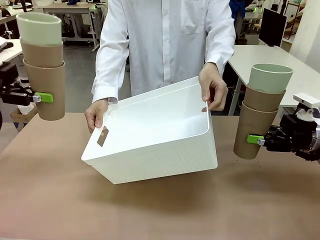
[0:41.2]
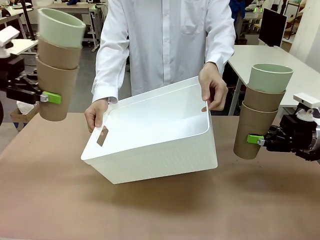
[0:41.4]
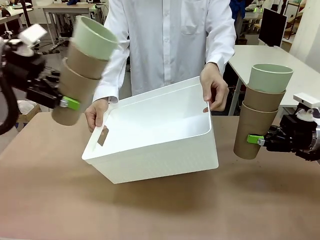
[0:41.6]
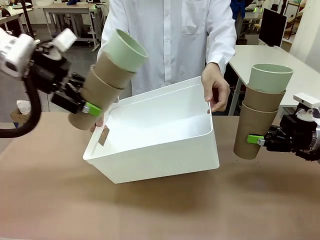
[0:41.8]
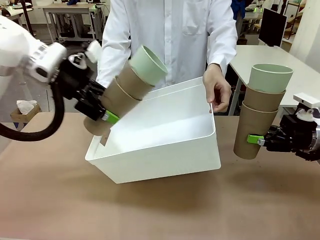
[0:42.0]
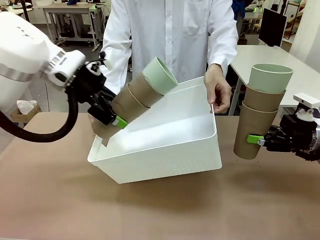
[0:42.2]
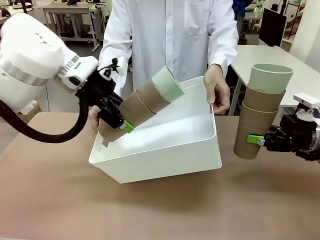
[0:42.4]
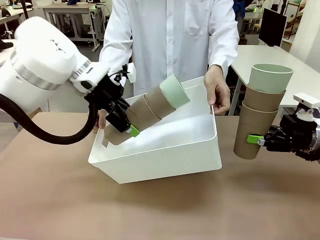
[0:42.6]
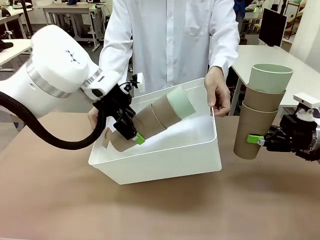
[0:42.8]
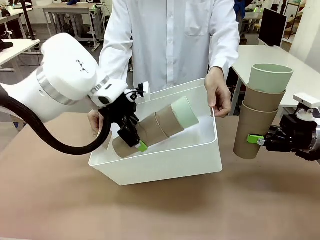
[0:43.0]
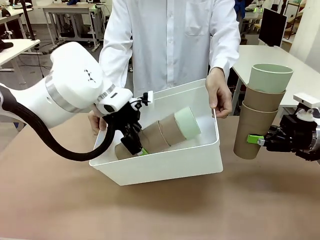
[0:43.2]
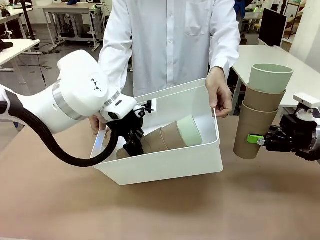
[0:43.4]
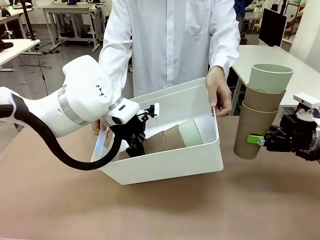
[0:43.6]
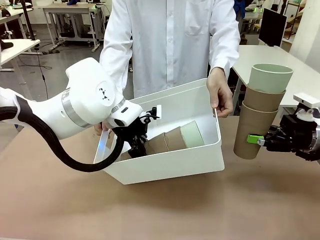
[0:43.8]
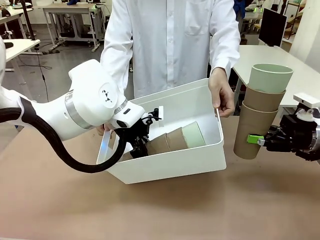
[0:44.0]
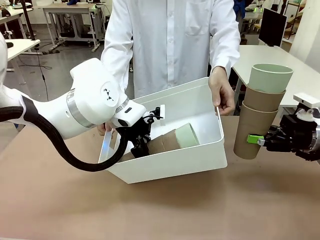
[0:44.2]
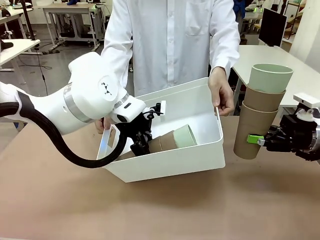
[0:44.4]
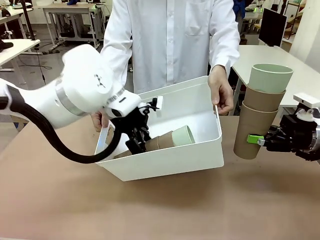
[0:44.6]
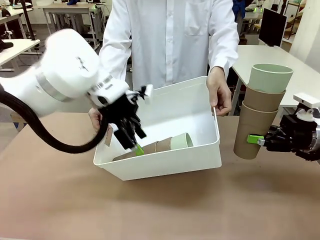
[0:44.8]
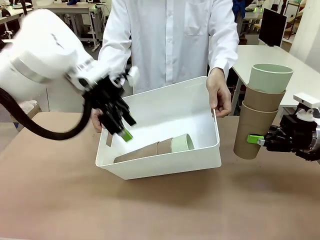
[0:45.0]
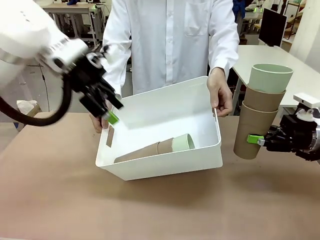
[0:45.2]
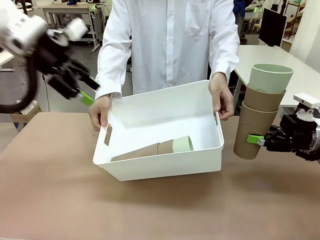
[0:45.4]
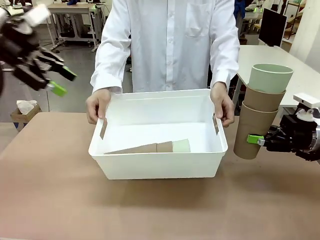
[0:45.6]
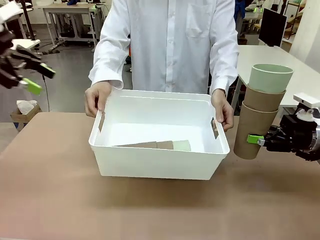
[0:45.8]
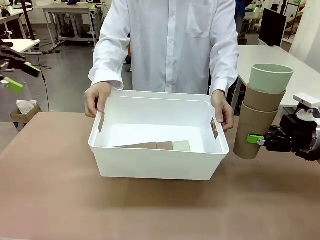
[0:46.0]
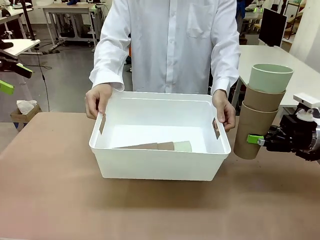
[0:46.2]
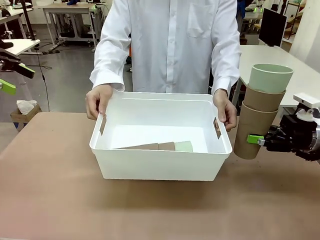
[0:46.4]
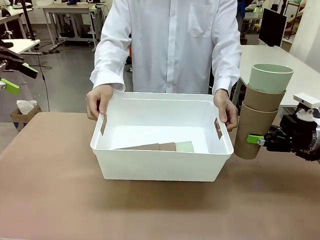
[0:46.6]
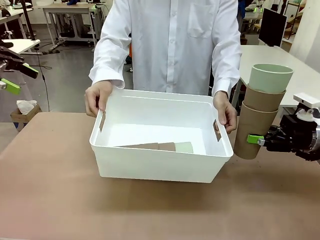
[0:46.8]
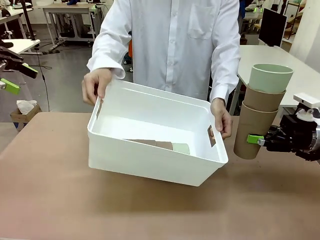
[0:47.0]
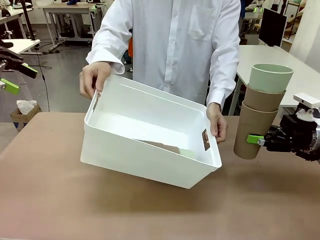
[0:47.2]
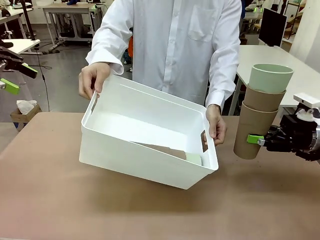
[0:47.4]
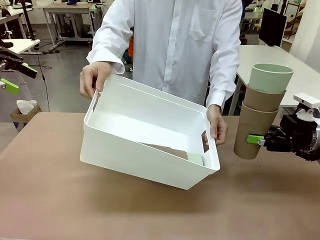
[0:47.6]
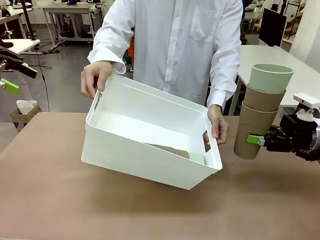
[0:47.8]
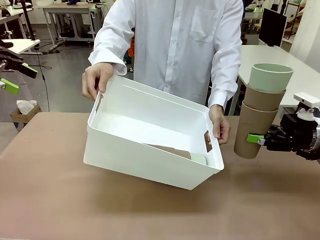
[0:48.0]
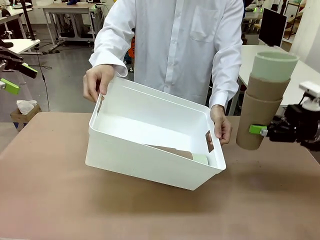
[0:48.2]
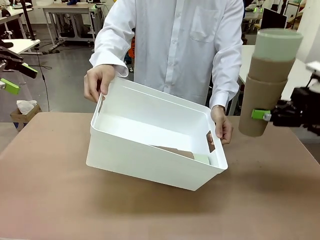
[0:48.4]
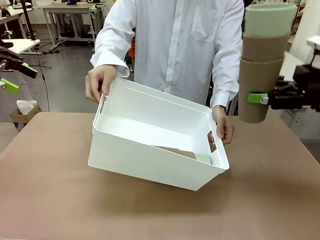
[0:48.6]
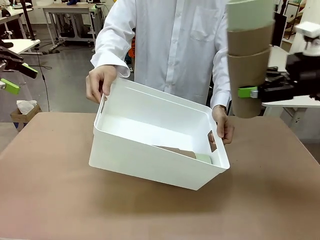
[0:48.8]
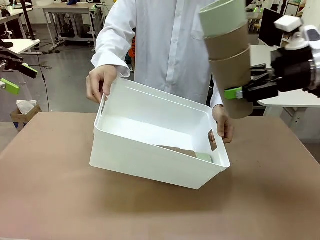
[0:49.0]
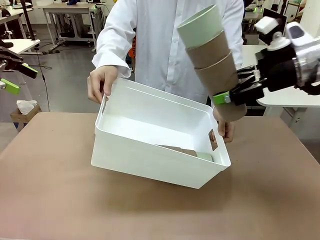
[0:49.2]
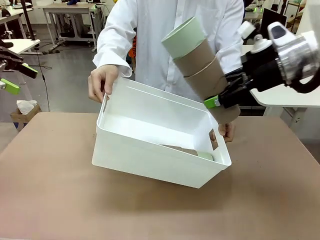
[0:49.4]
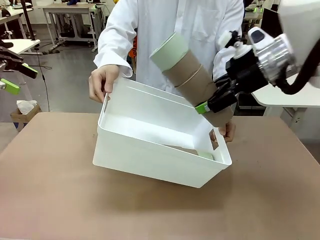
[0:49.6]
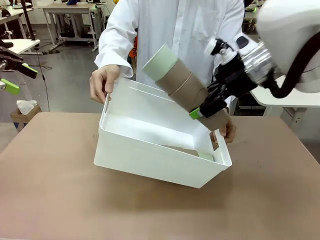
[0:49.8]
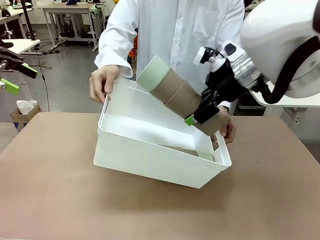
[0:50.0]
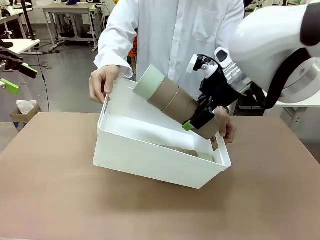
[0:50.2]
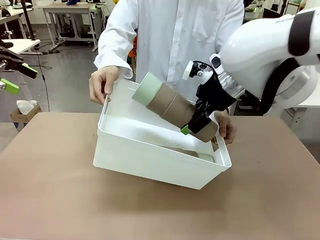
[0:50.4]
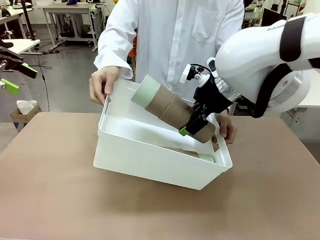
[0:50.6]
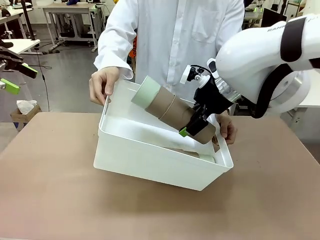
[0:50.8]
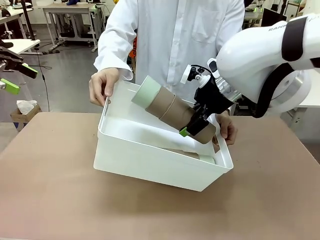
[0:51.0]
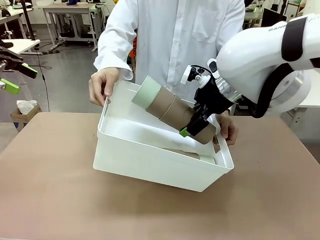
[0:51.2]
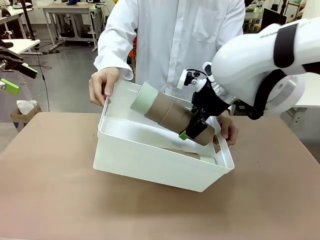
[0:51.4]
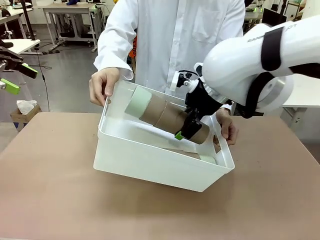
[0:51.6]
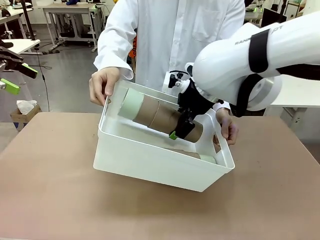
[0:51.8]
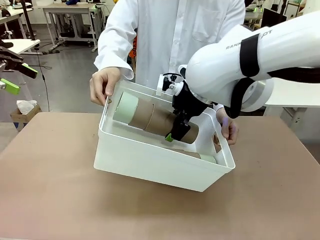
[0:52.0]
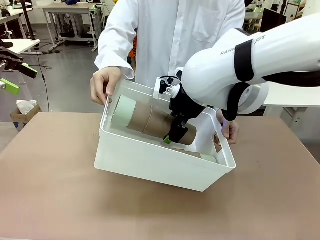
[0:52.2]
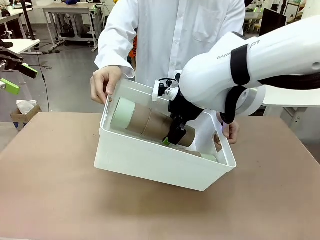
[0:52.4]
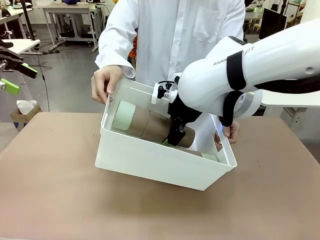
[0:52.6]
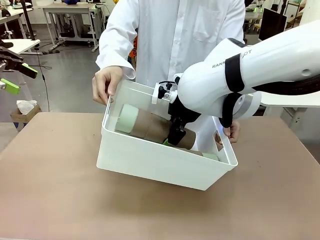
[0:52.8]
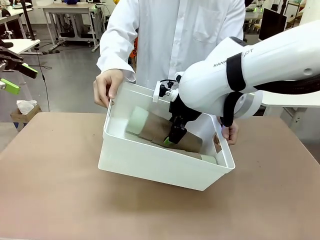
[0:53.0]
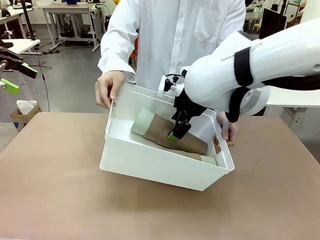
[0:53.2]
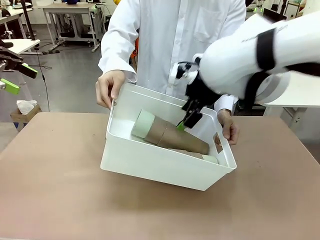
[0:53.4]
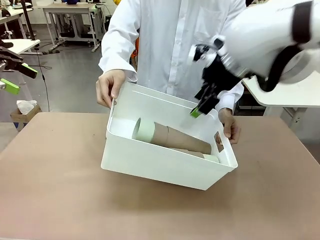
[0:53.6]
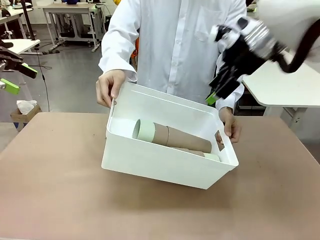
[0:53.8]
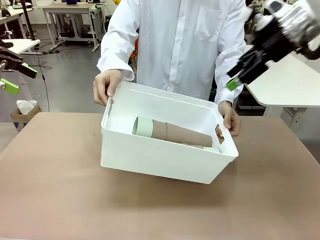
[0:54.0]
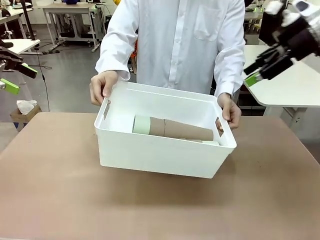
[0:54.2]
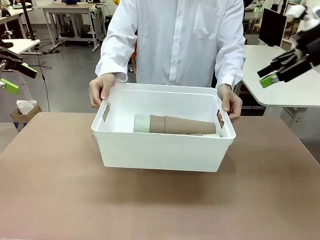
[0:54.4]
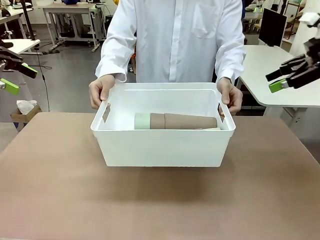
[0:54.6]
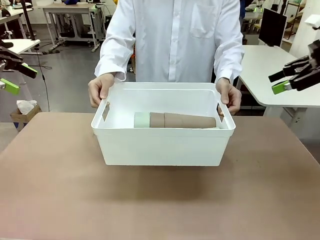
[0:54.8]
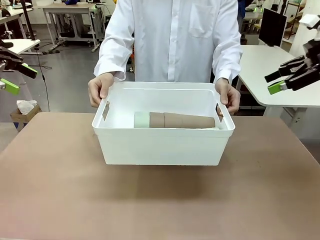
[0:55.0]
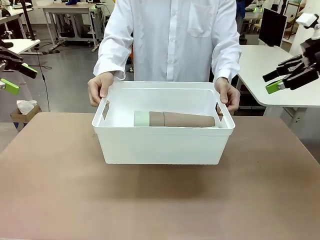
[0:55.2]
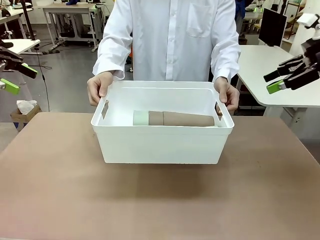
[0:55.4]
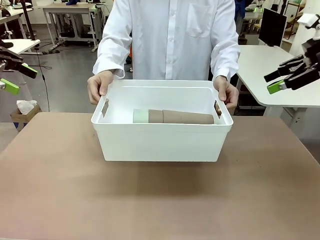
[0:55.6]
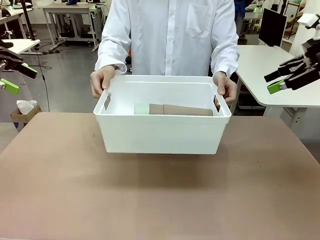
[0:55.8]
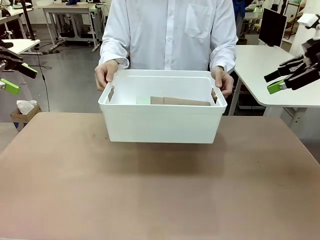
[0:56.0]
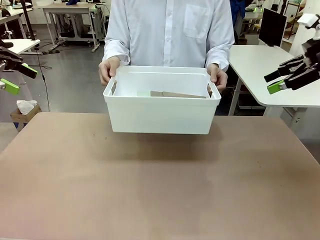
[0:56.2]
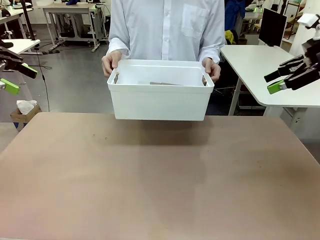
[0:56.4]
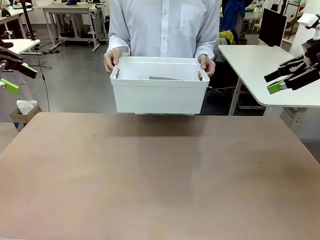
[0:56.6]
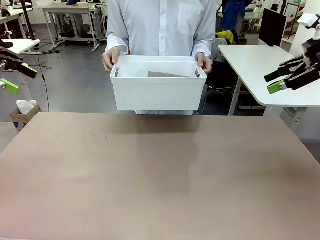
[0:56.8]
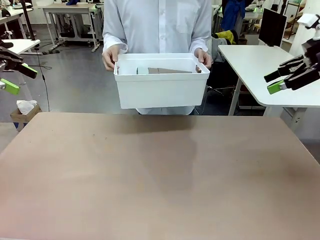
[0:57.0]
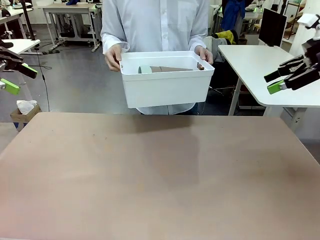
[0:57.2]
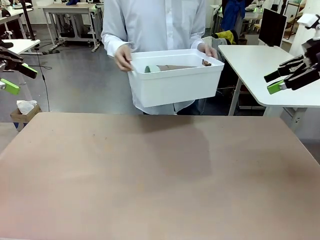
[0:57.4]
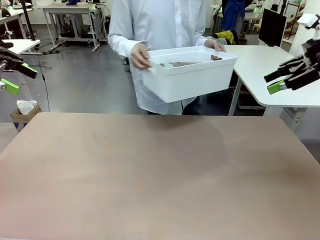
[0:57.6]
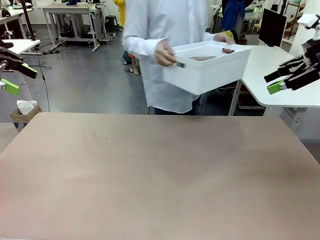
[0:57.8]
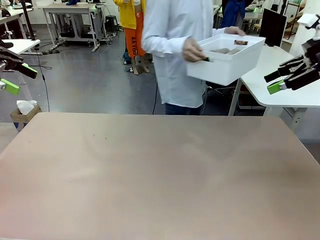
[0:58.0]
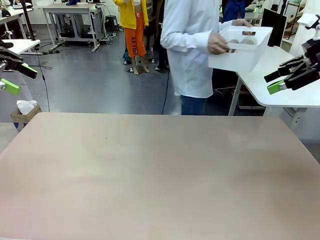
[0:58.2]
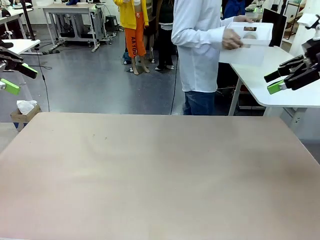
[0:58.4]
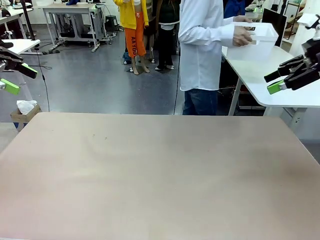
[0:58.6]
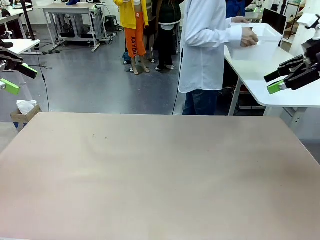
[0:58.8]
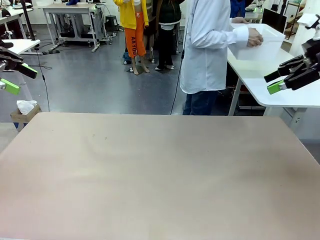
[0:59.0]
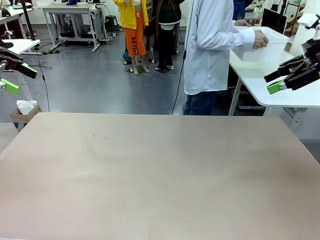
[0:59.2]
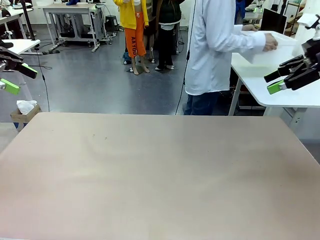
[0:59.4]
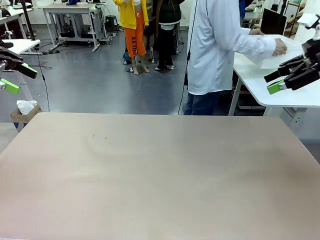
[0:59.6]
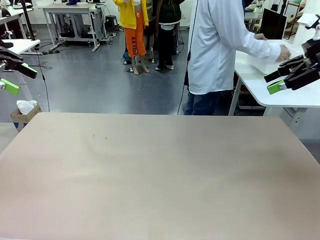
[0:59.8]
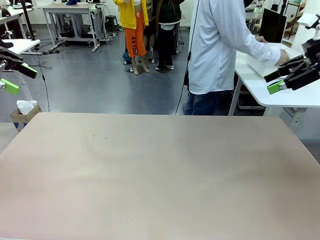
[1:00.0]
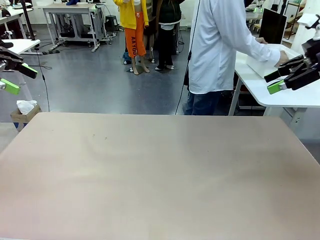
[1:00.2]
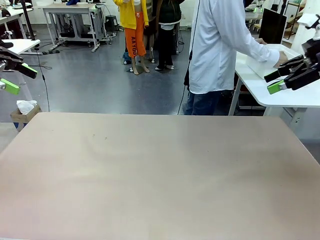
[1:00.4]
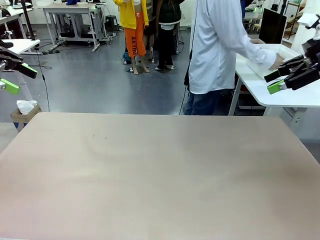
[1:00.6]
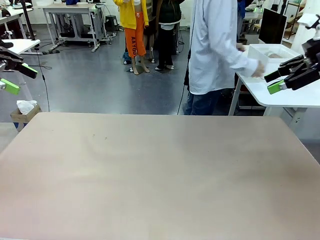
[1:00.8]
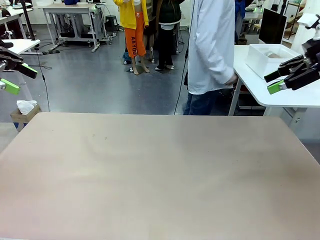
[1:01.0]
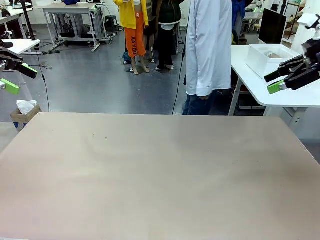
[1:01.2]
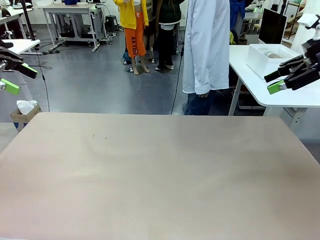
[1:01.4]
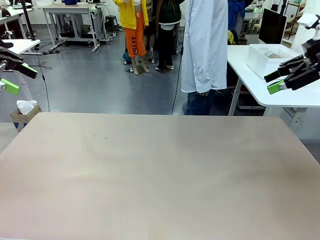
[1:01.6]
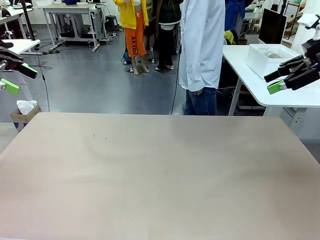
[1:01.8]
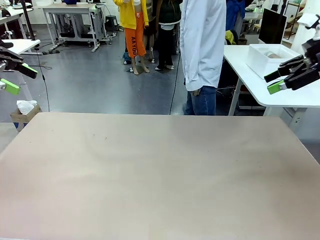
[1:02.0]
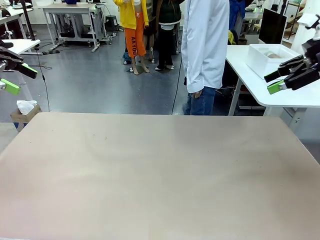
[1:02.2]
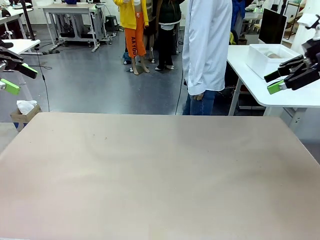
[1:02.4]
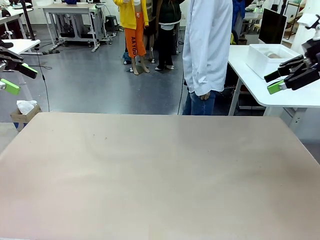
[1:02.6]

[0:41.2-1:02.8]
Task: Stack the cups and store them in the basket.
Robot: Place the stack of Reusable plastic cups into the Pantry Basket.
Person: Place the basket containing the cups in the middle of the Human Table.
